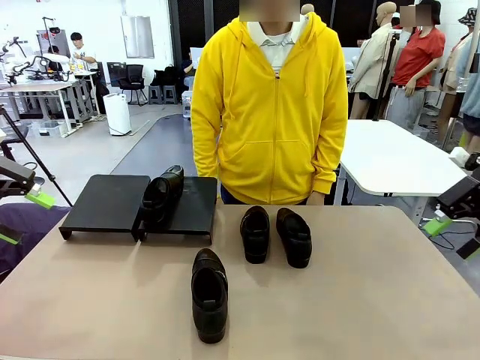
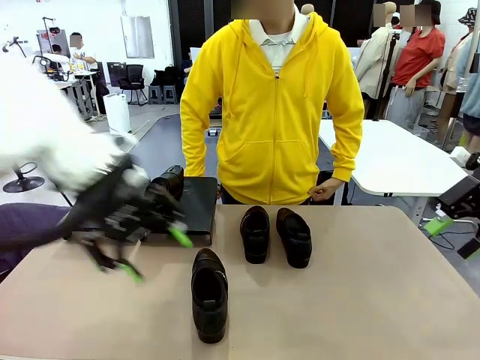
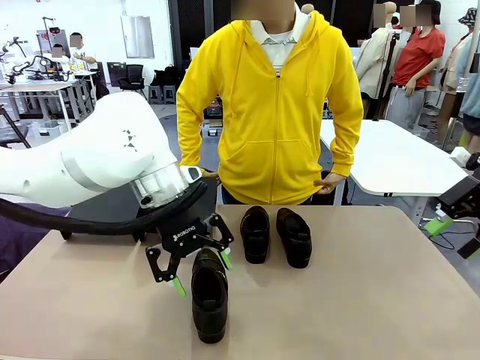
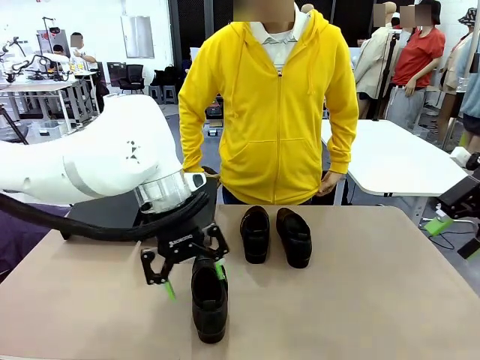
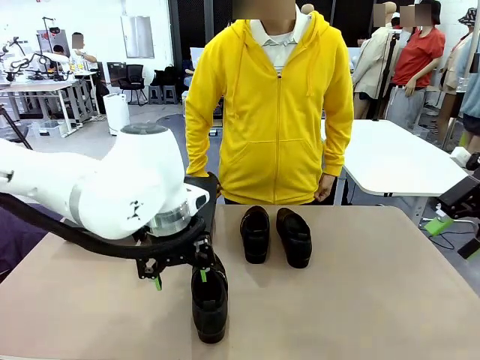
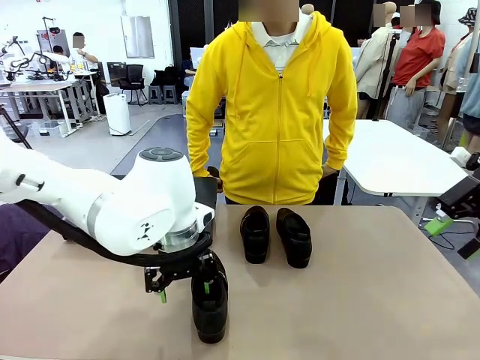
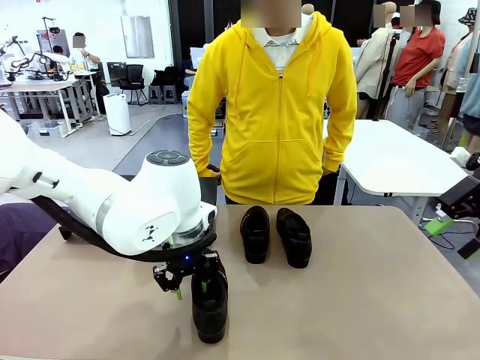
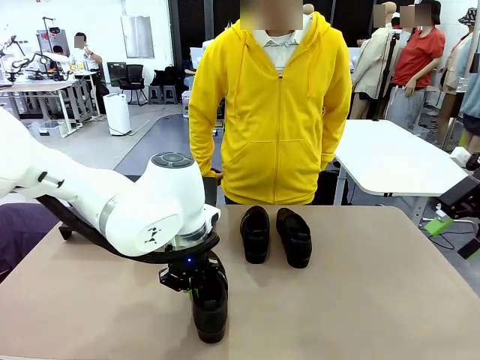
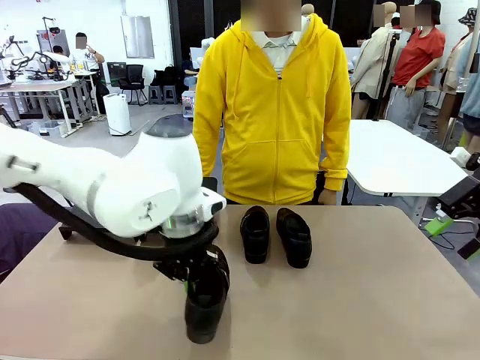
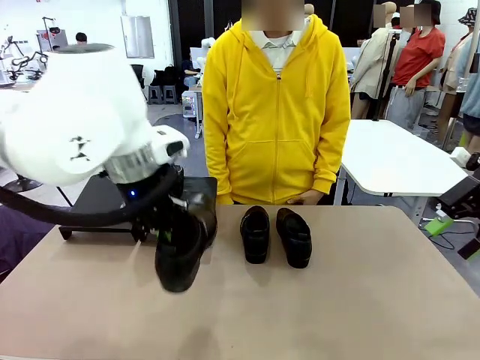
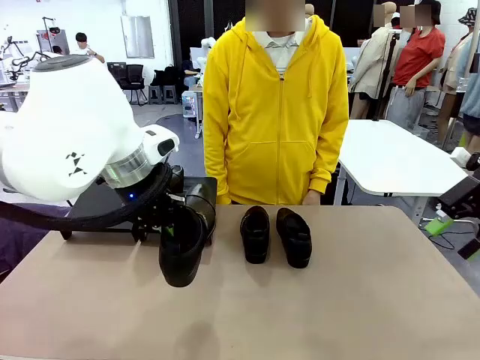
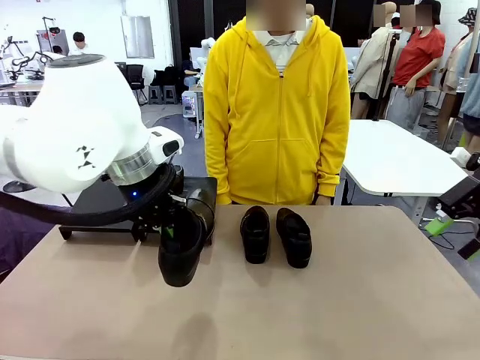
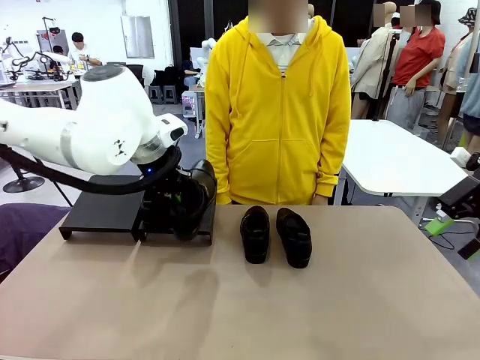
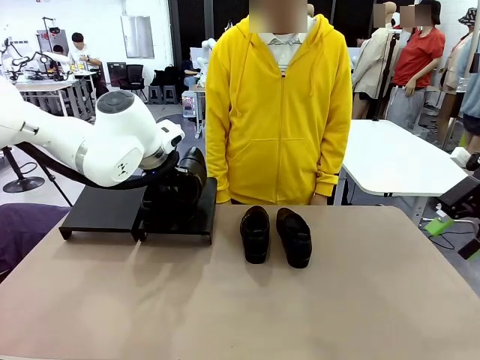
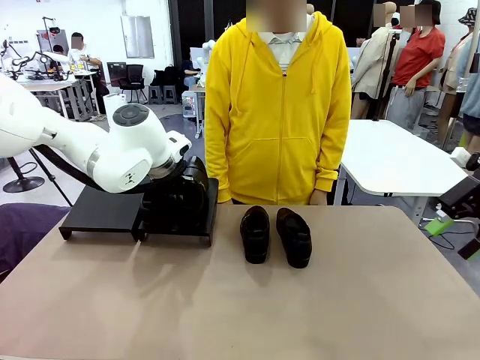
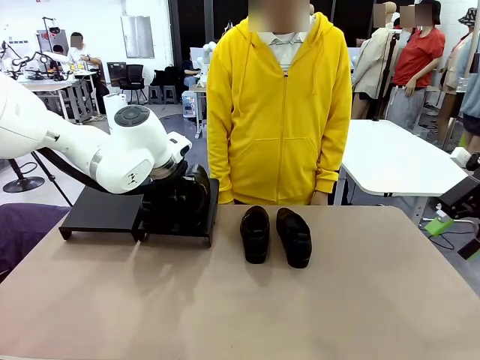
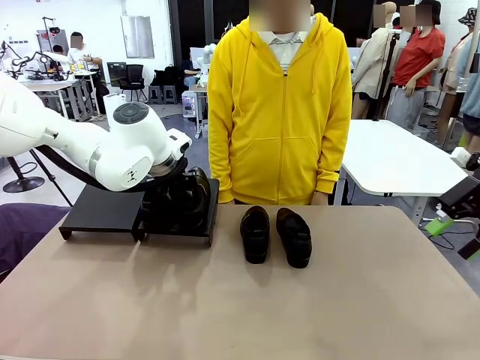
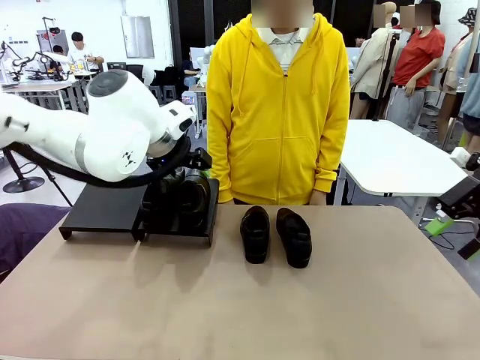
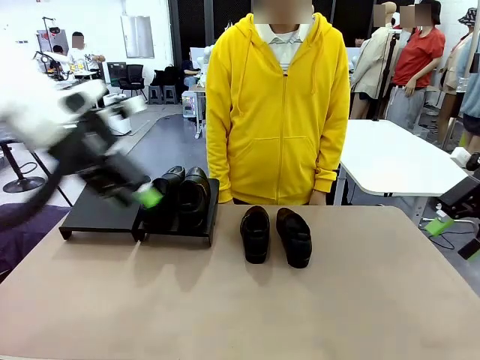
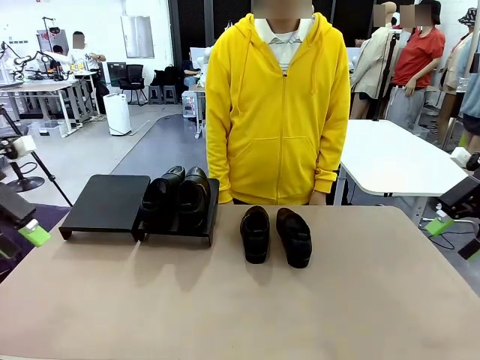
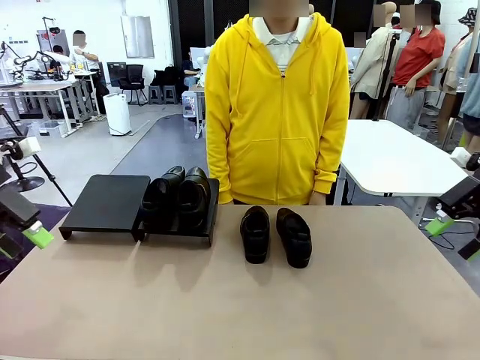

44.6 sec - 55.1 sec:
Task: Organize the shoes by placing them on the stand.
Robot: Place the Shoe from the middle of the table onto the Shoes Stand.

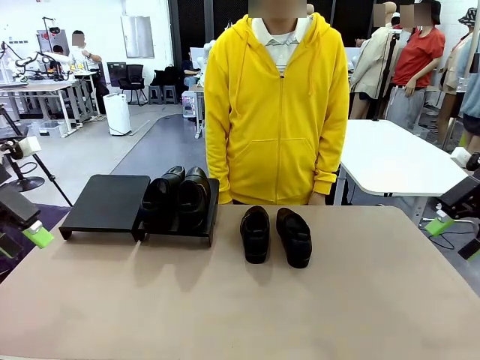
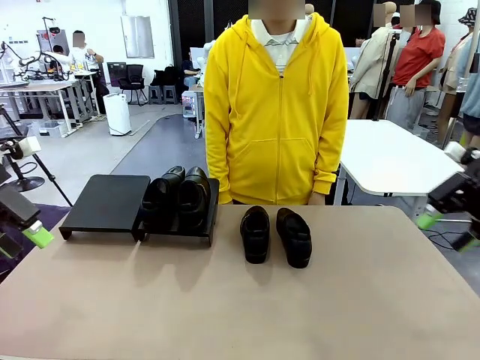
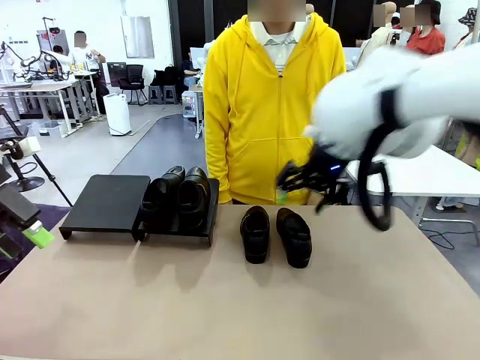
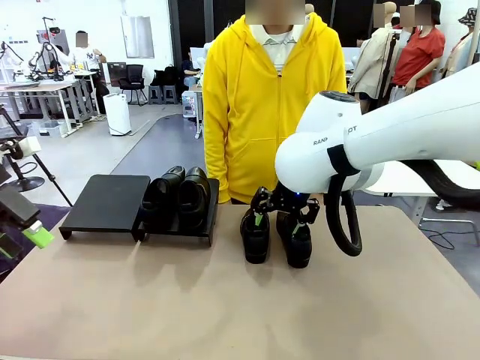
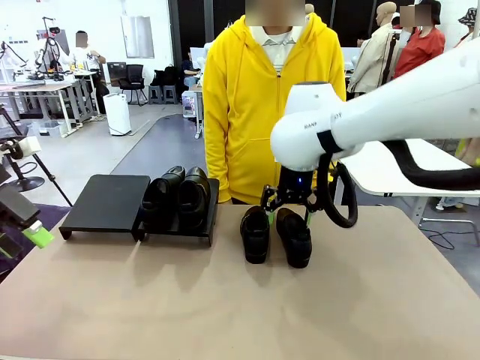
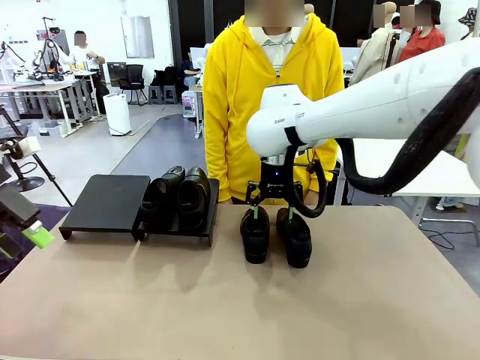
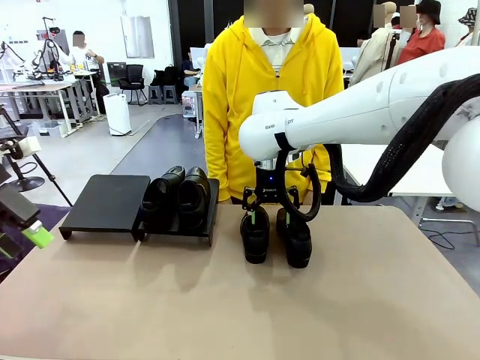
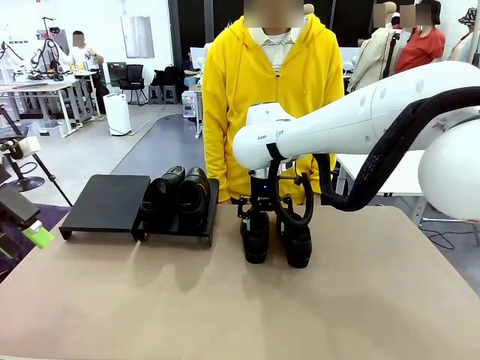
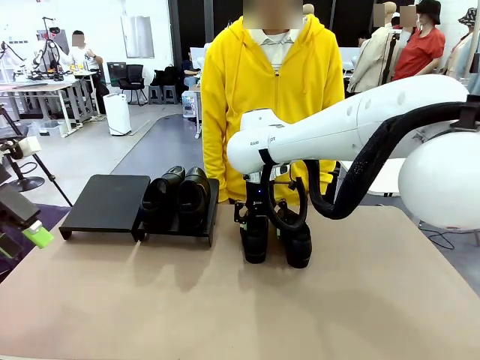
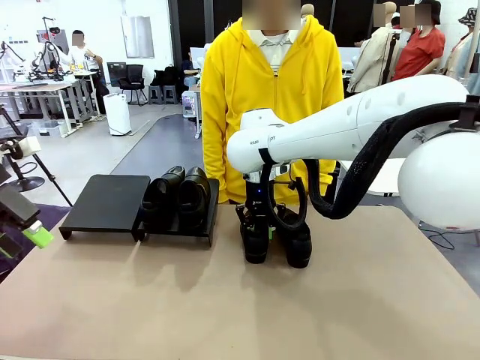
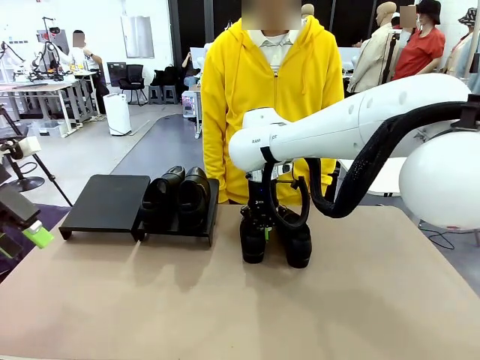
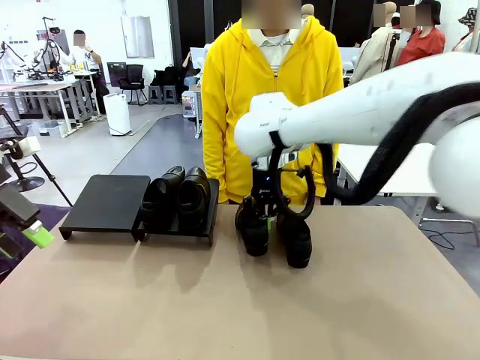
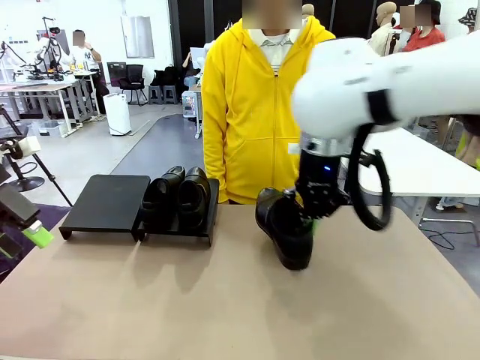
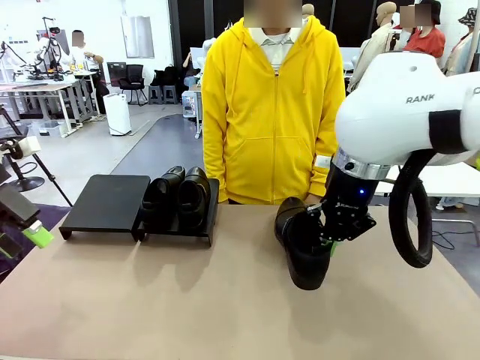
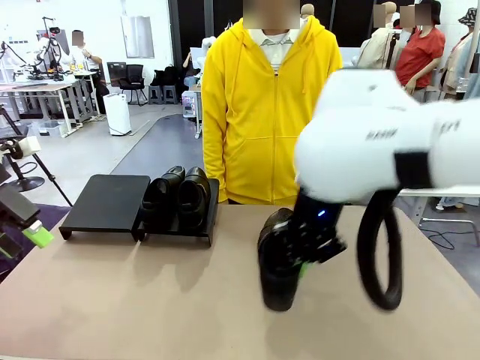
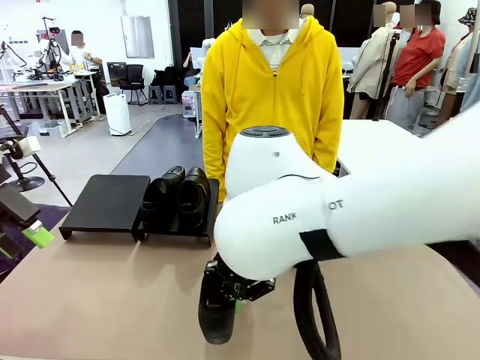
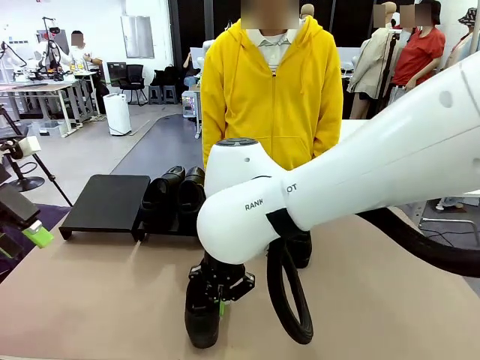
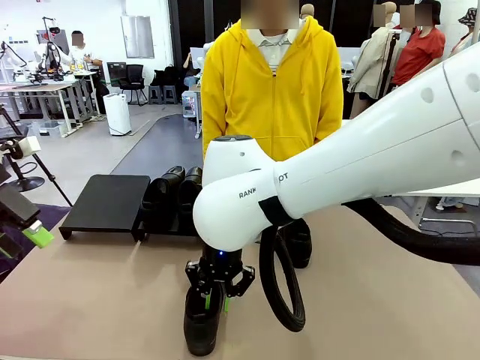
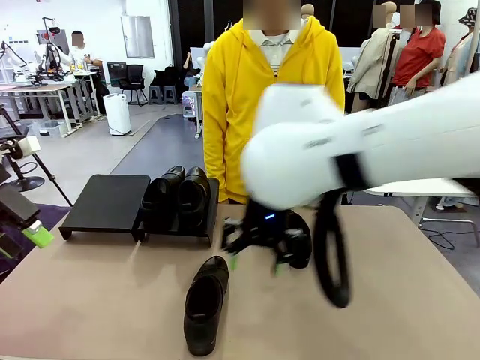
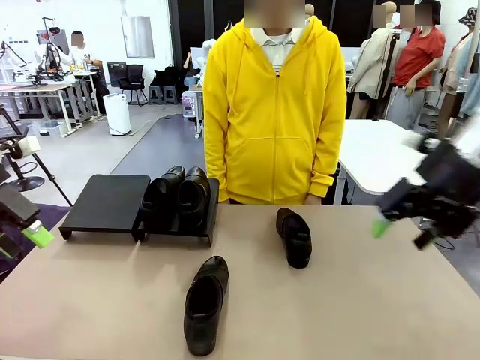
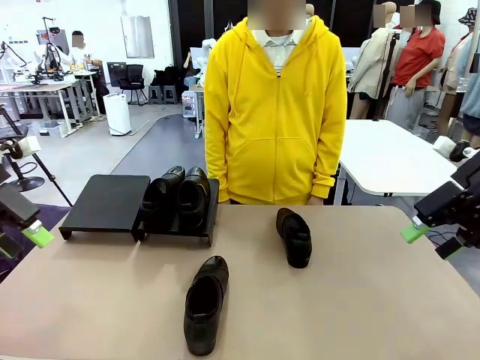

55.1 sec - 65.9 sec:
Robot: Pick up one Shoe and place it in the middle of the table.

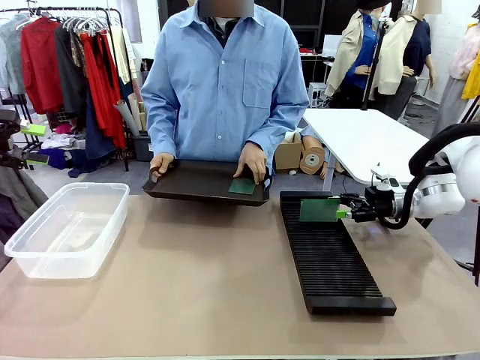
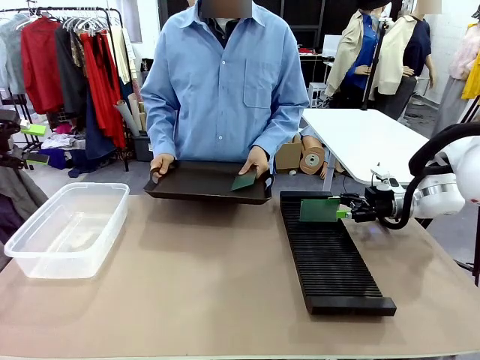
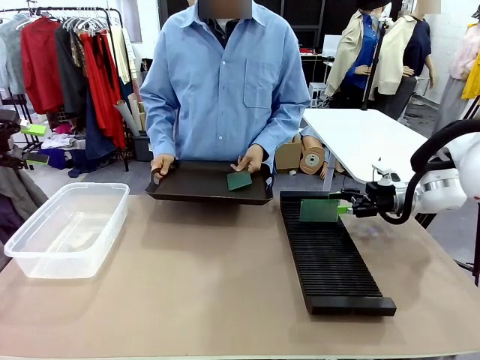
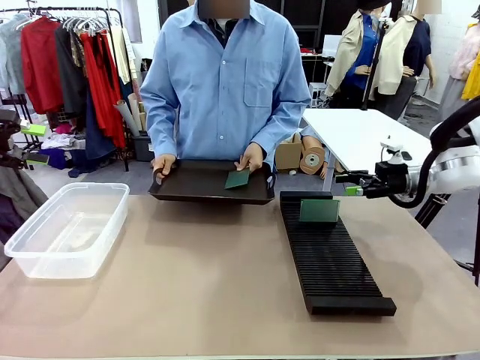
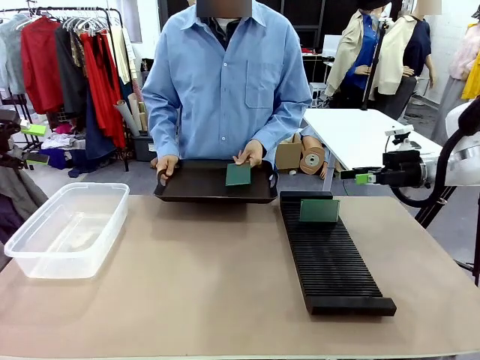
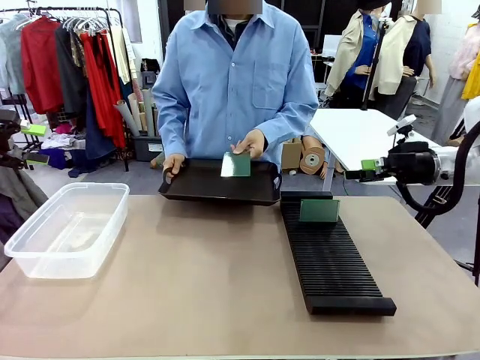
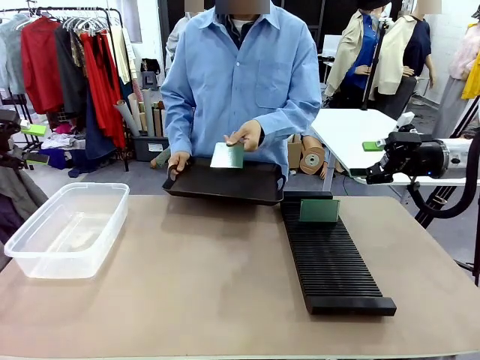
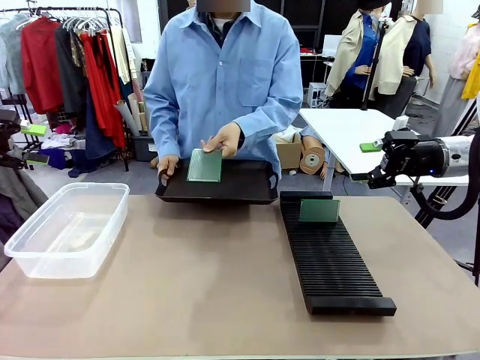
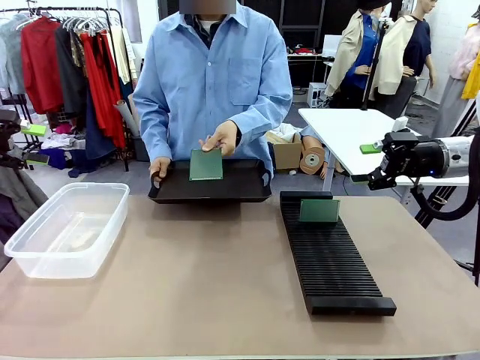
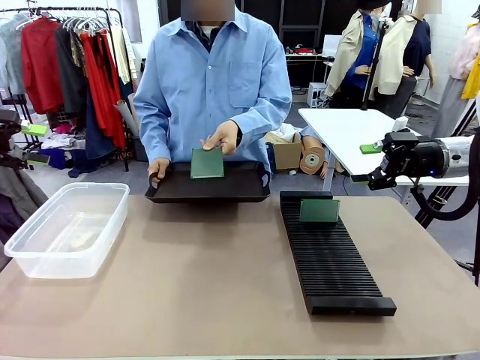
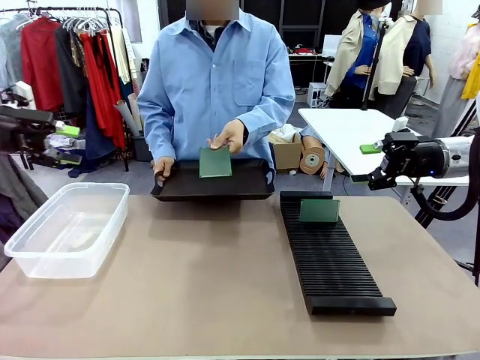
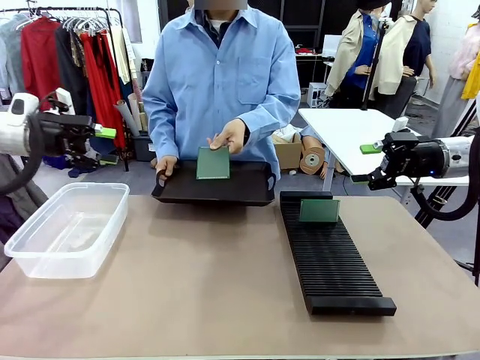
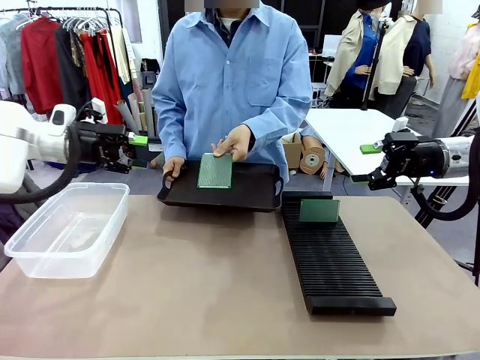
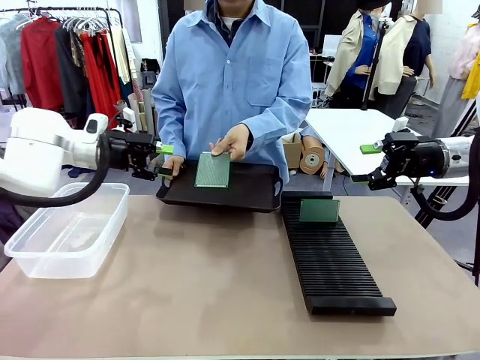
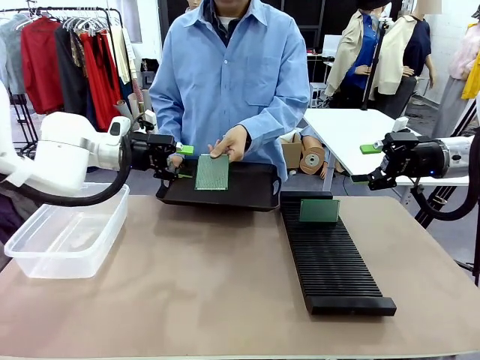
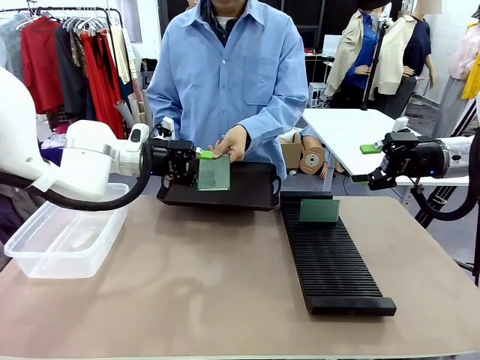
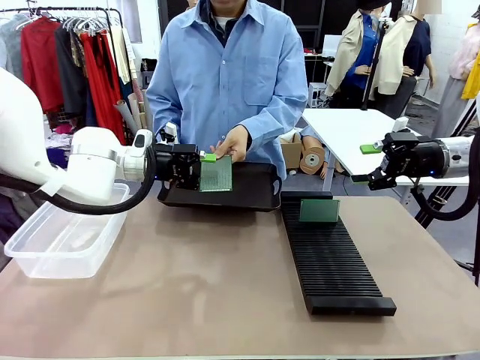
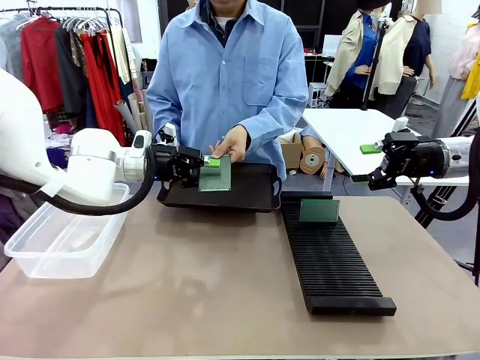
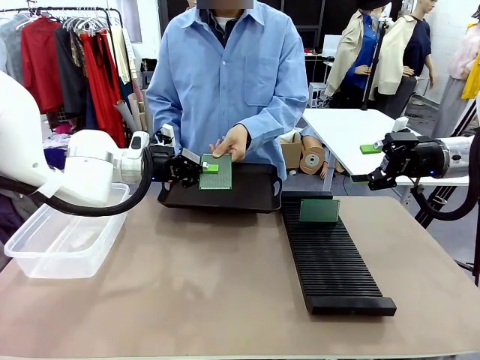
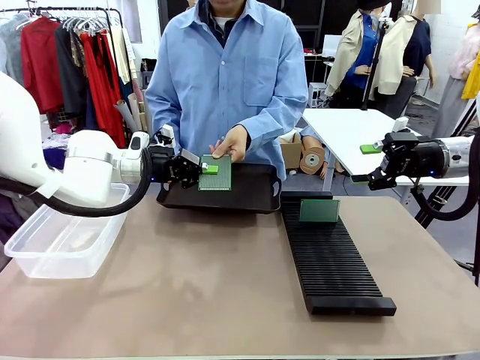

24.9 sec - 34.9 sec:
Task: Sort PCBs into racks and boxes based on the side picked up.
Robot: Pick up the Blank PCB handed by the Human.
